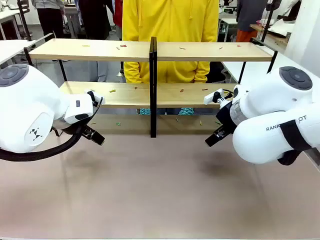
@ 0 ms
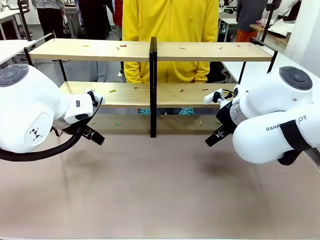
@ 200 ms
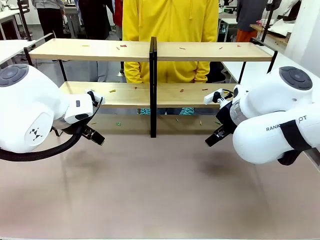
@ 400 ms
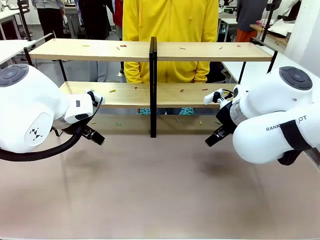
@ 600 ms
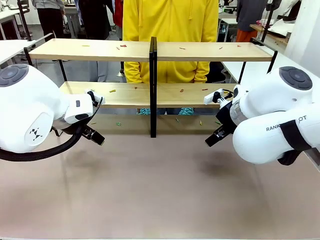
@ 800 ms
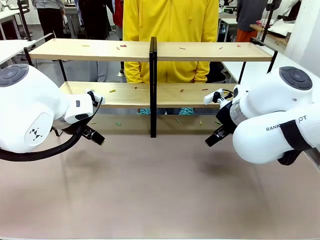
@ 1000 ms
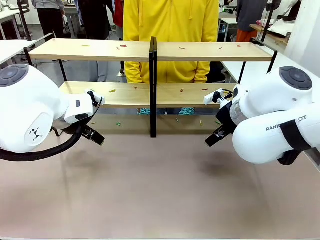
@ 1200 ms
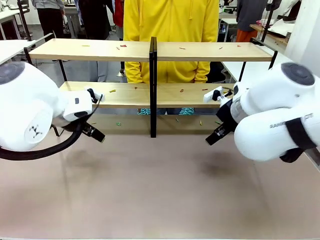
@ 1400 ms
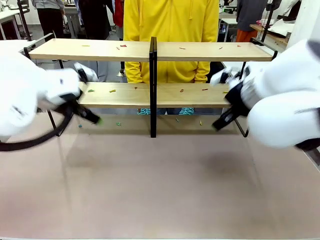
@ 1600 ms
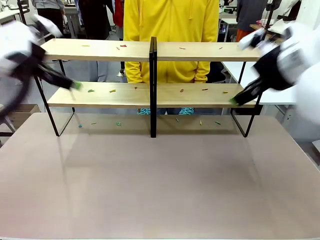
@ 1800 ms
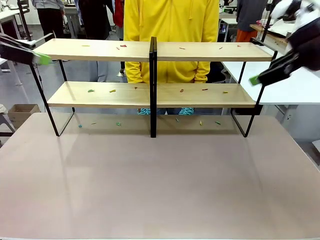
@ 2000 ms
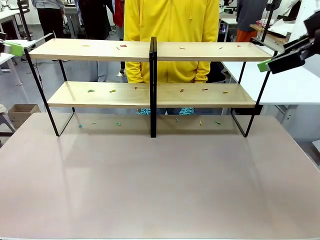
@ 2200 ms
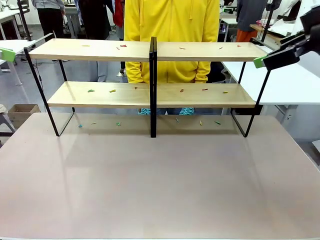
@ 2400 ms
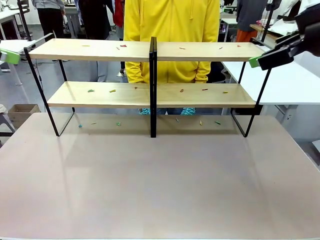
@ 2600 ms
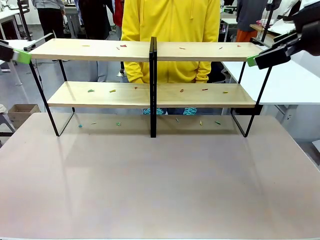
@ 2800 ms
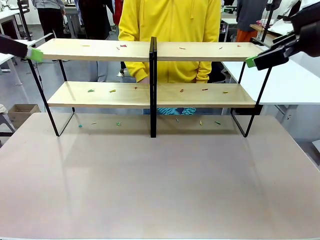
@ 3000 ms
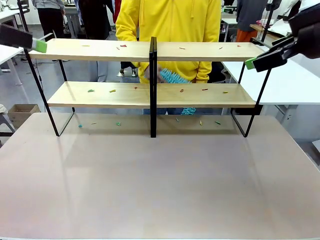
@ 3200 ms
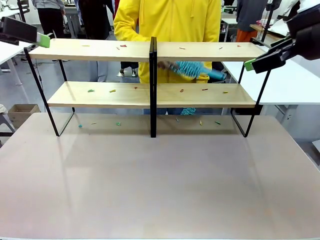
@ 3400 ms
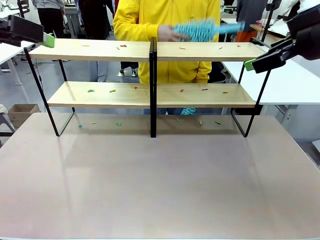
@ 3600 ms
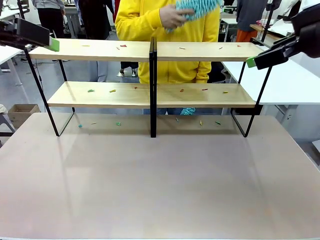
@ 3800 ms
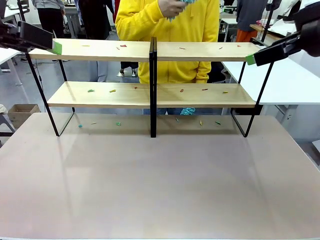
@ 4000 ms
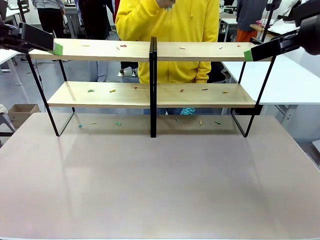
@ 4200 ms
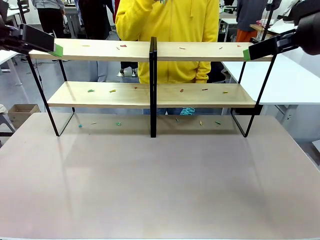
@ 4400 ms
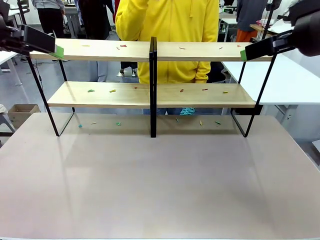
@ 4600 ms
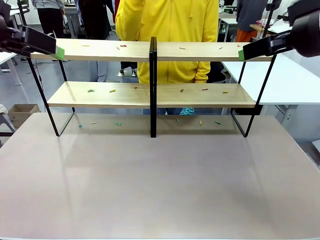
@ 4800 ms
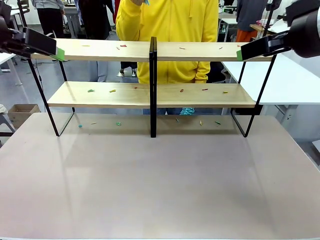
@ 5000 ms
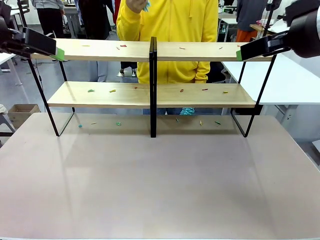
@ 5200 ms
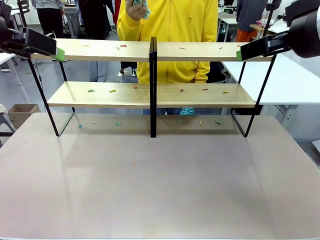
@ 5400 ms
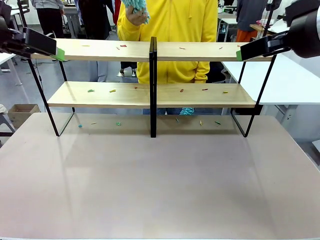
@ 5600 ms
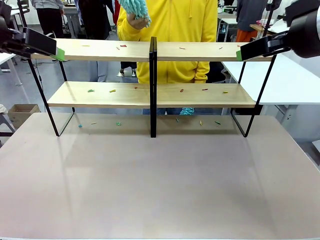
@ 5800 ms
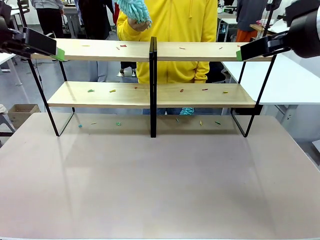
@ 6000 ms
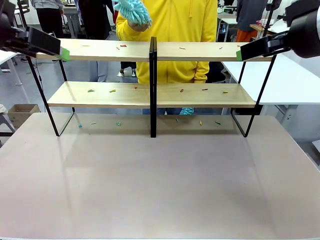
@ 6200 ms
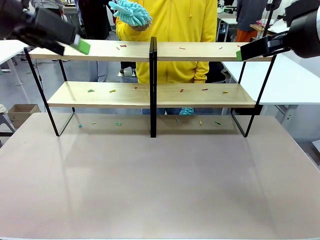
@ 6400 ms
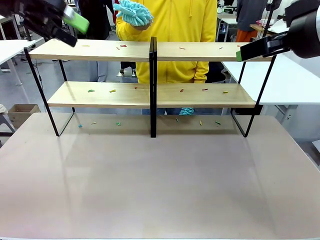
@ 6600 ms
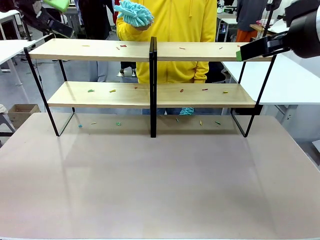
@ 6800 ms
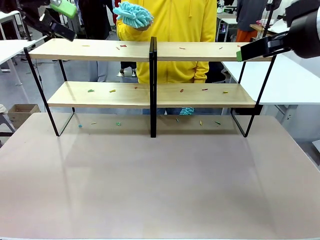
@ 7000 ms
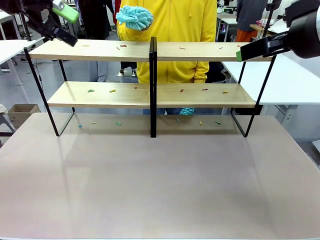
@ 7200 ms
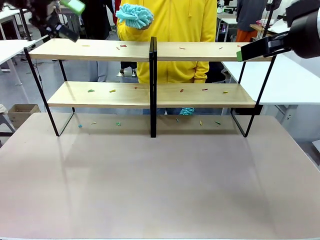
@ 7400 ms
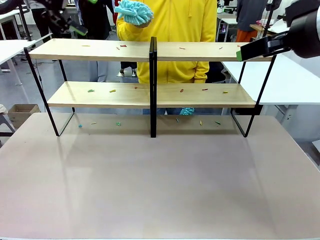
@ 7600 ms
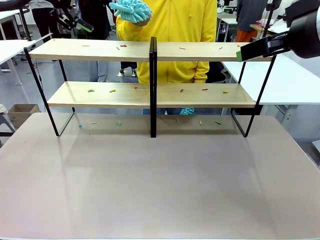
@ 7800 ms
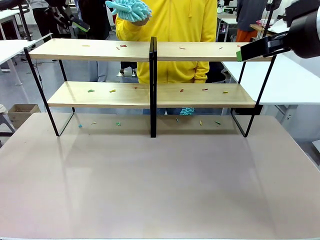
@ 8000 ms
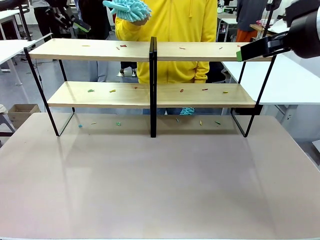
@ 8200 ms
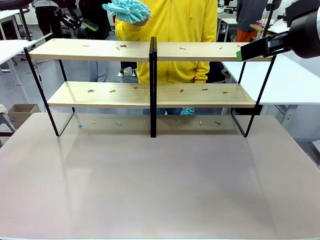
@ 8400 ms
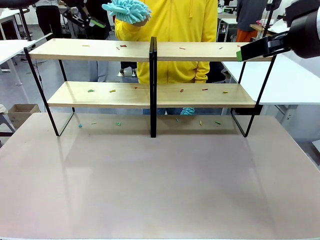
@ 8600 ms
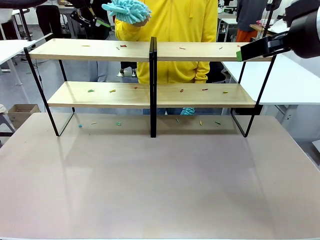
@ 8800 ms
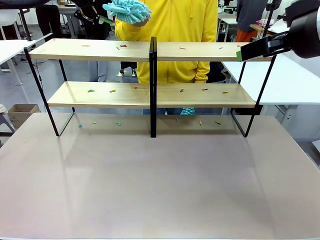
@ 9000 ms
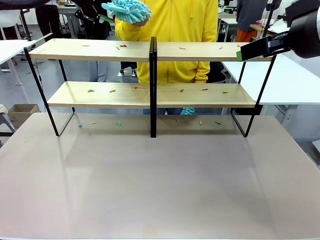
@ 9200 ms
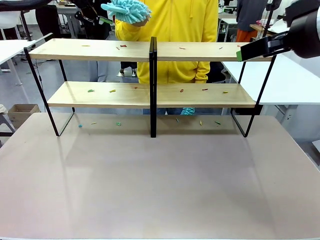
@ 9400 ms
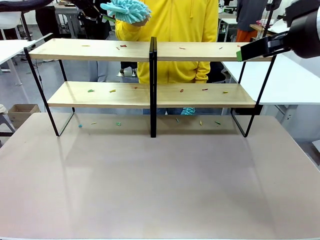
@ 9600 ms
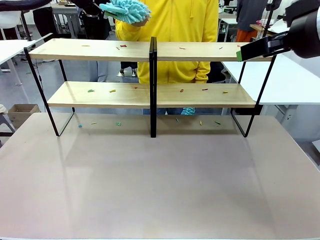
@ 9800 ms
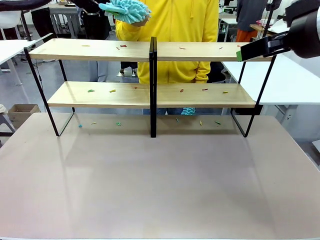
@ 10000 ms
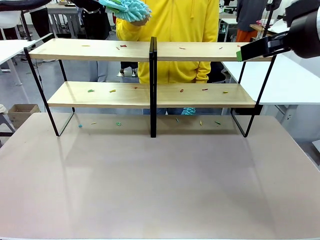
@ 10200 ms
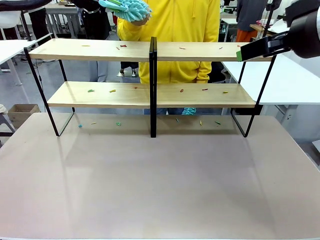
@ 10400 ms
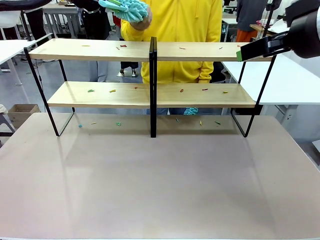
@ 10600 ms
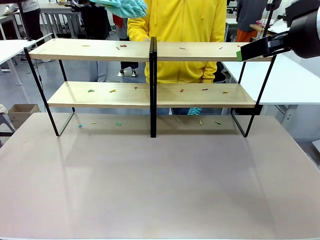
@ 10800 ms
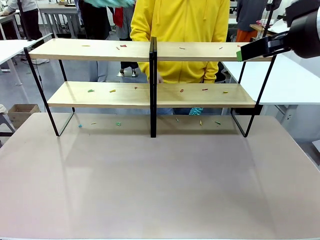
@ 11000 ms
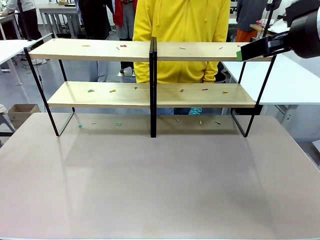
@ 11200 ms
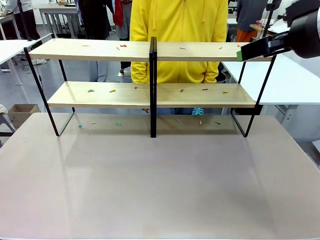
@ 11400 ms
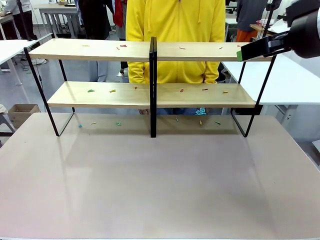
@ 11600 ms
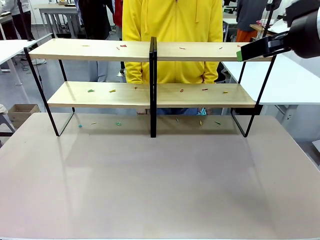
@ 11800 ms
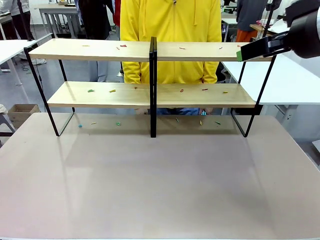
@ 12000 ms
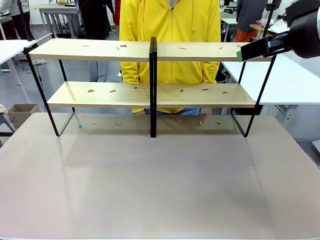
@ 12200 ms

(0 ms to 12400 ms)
Task: Clean the shelves.
Robot: Pick up the Duster when the human hands it over.
Person: Hand the Duster to the robot with your right (or left) hand.
